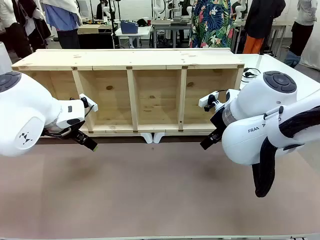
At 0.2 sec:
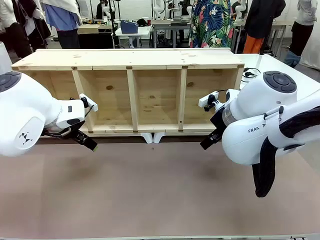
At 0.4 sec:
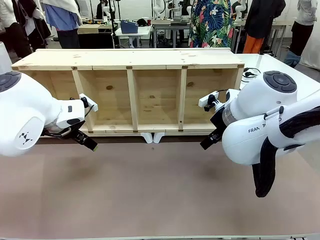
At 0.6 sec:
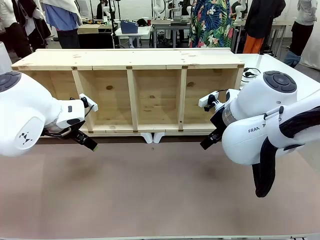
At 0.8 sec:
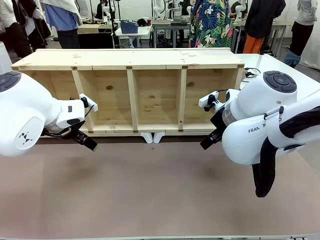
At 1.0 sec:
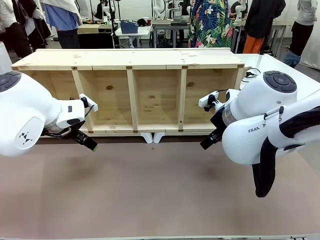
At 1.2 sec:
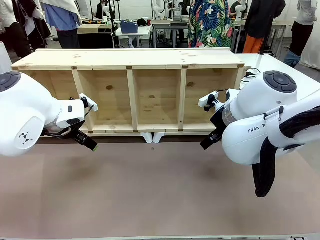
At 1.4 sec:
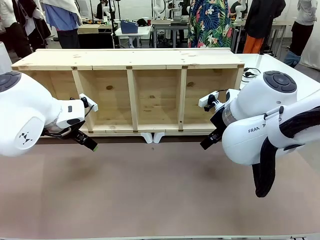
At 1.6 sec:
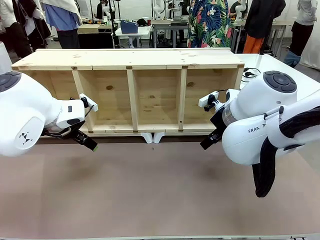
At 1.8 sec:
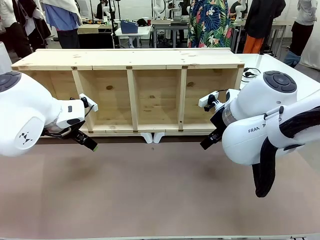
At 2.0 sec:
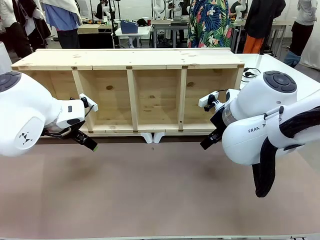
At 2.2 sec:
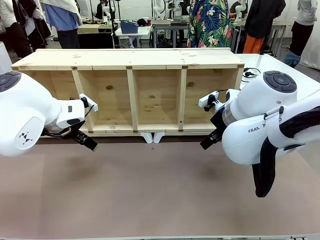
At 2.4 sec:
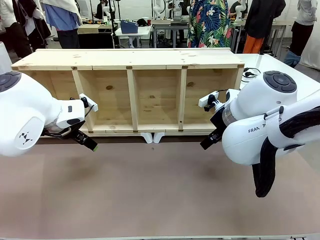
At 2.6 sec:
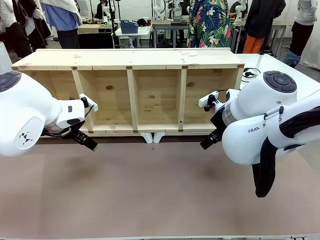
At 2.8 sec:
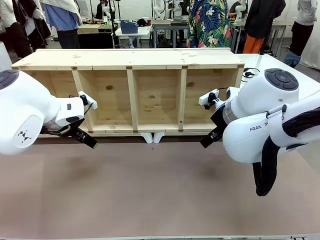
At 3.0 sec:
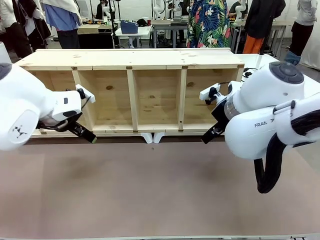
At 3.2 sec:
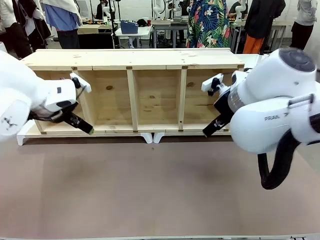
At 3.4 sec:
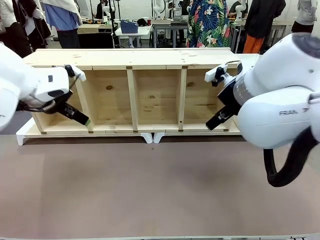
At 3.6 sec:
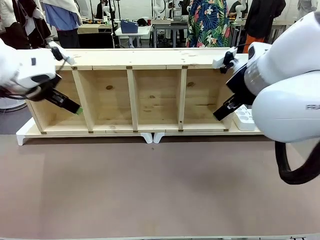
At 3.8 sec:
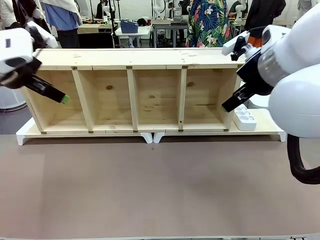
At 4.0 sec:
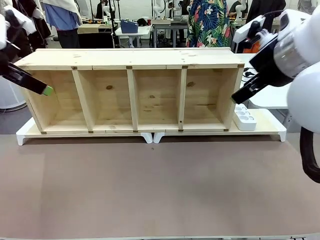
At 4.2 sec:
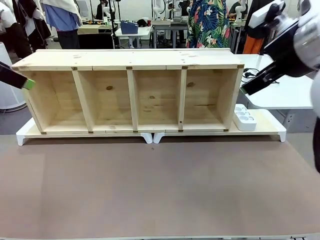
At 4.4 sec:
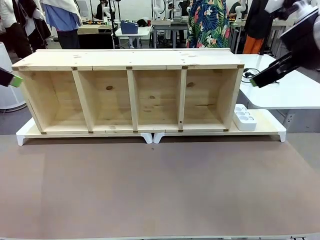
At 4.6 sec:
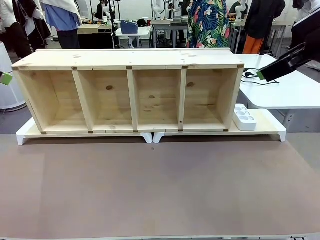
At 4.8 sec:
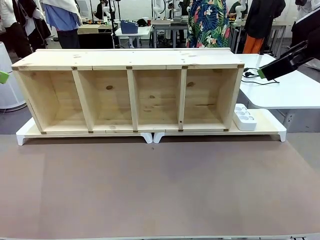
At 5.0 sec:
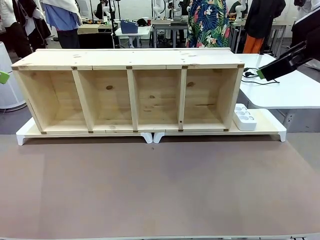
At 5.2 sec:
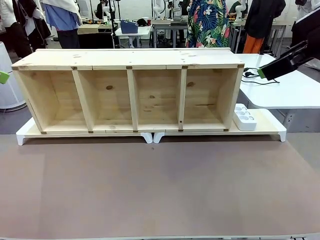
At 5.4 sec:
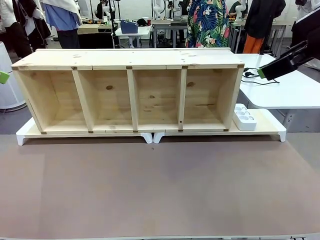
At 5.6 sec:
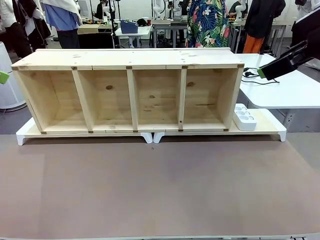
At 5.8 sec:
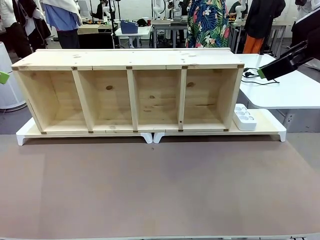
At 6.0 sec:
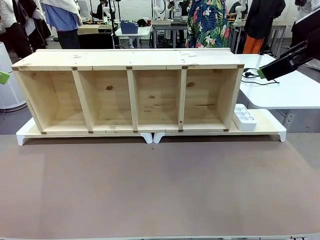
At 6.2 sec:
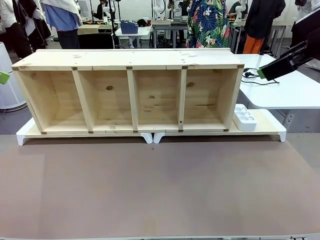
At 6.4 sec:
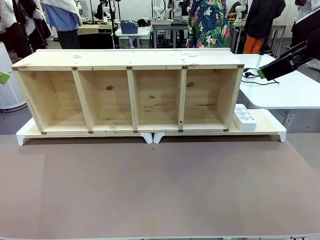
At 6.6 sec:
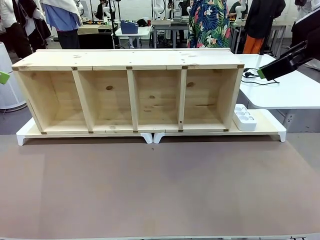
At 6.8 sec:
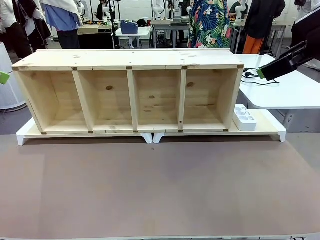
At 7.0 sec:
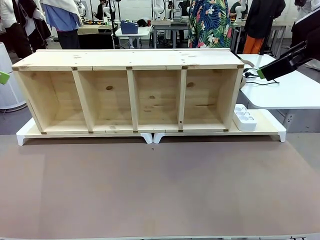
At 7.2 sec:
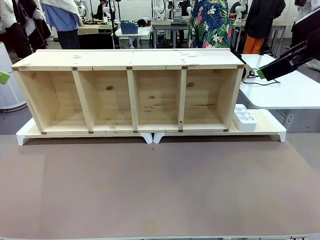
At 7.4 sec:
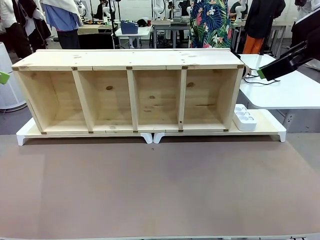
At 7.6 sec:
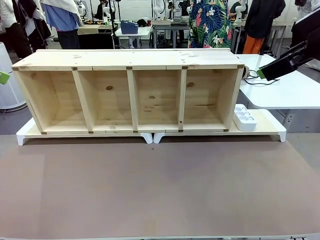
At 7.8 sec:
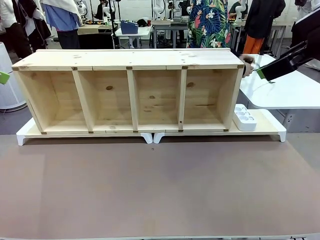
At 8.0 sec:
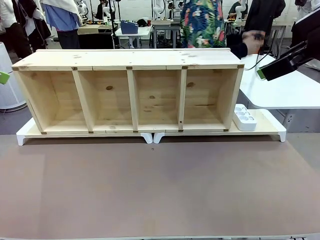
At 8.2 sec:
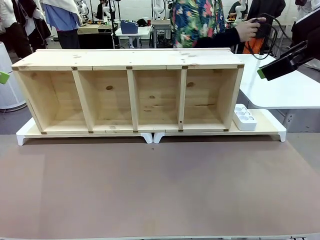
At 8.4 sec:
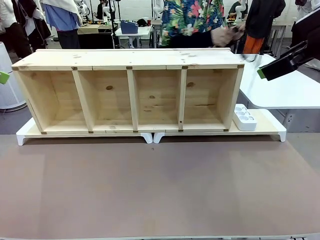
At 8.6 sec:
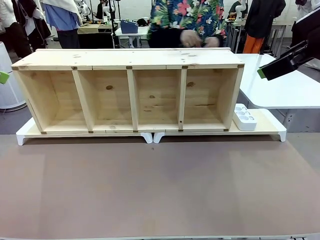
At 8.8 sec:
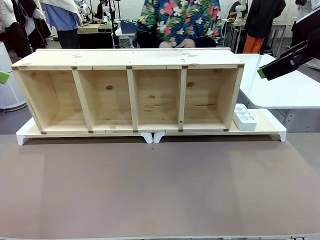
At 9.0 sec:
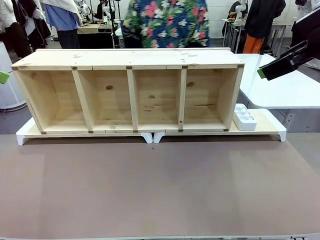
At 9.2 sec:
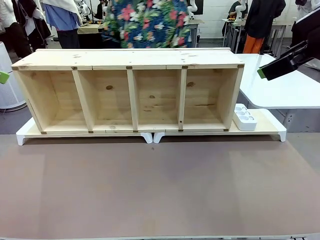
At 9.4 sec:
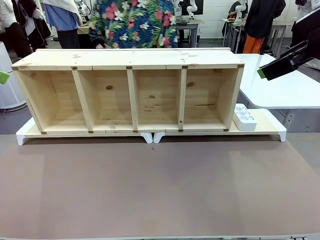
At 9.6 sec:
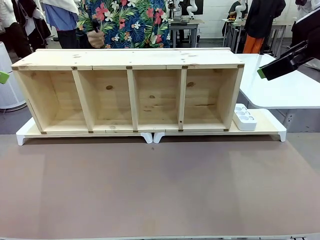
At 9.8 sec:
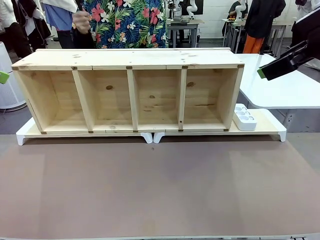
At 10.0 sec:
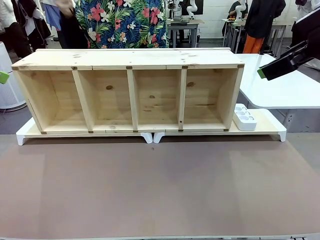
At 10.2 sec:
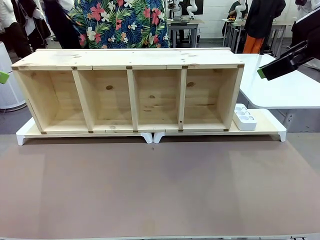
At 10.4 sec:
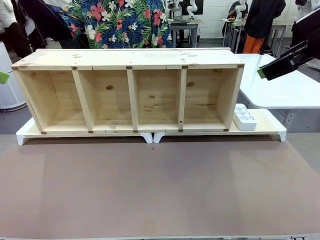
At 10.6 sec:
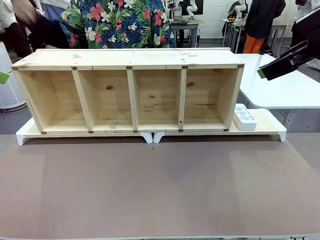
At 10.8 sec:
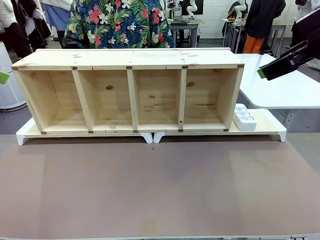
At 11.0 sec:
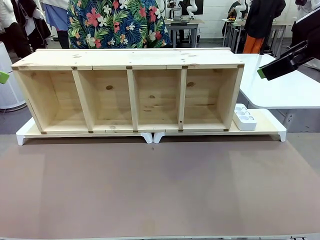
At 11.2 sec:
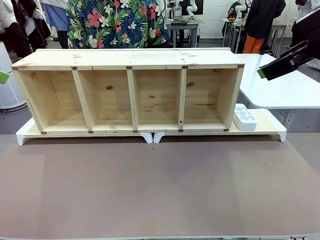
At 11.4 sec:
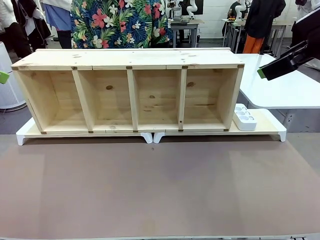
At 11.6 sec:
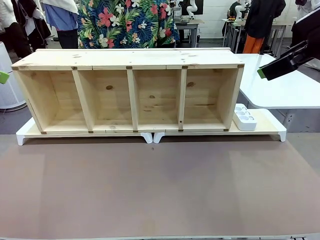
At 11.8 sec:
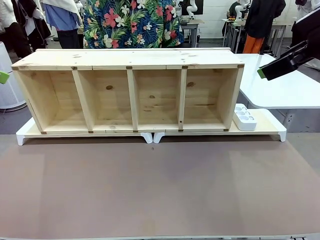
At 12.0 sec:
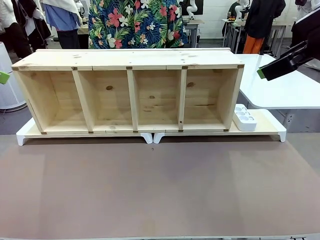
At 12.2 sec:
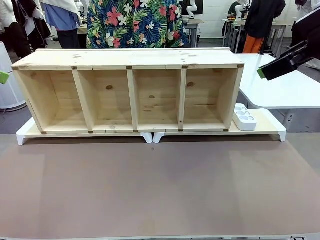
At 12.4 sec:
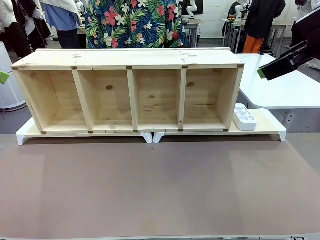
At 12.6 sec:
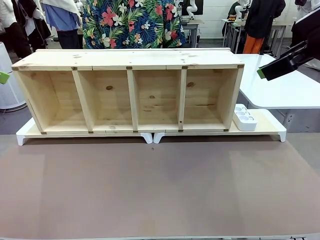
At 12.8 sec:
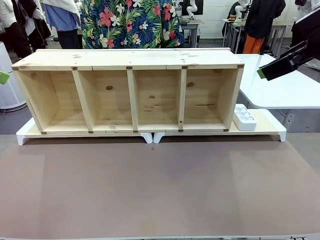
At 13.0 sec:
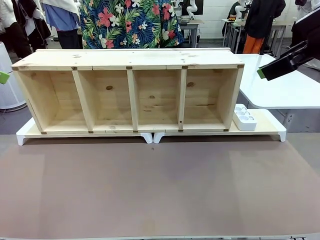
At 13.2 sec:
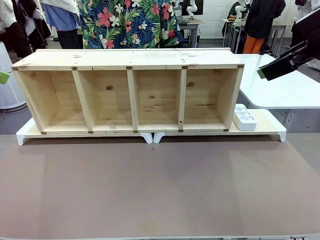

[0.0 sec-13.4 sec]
Task: Perform cable management.
Robot: When the cord part of the Power Cable appears at the lower middle area of the table and stops, grasp the cord part of the Power Cable.
Person: Pass the Power Cable under the Serving Table.
